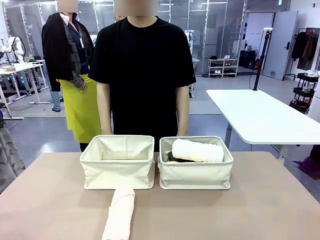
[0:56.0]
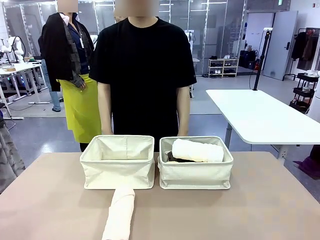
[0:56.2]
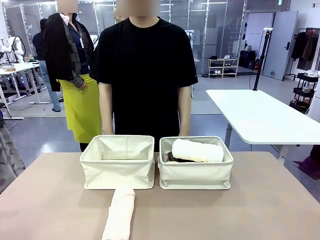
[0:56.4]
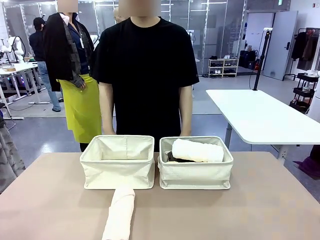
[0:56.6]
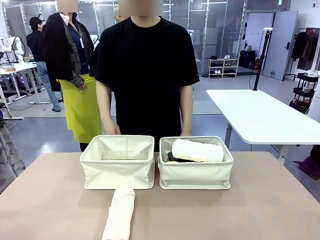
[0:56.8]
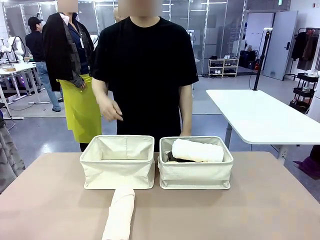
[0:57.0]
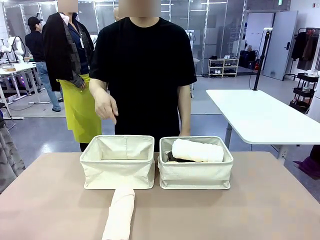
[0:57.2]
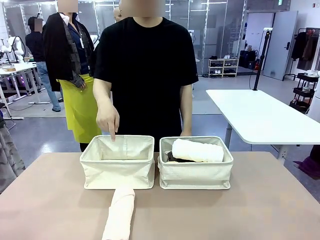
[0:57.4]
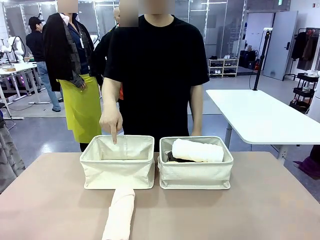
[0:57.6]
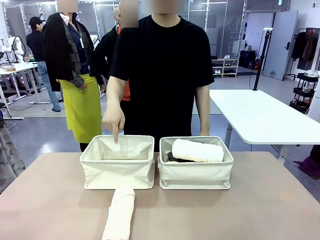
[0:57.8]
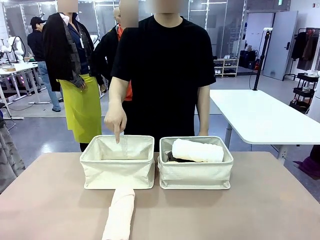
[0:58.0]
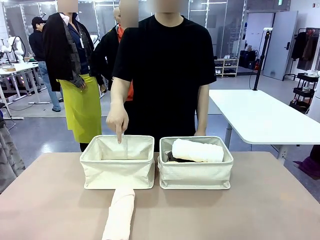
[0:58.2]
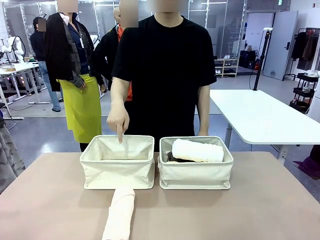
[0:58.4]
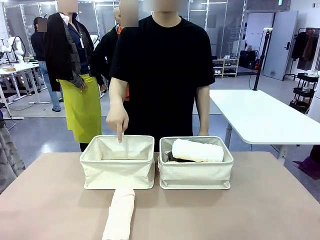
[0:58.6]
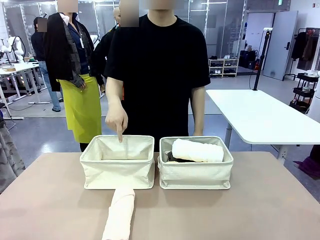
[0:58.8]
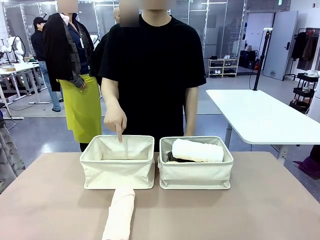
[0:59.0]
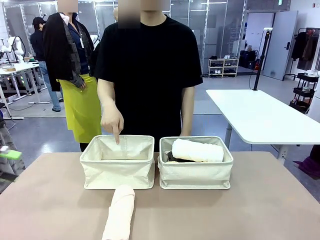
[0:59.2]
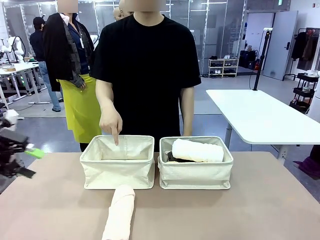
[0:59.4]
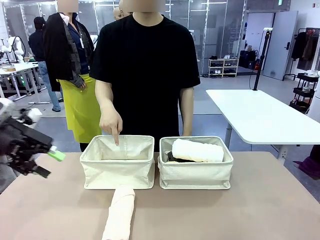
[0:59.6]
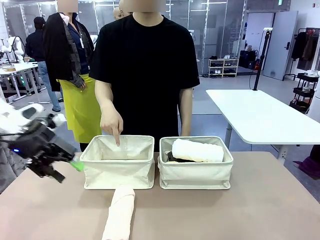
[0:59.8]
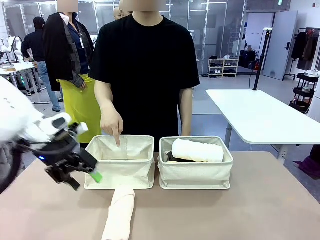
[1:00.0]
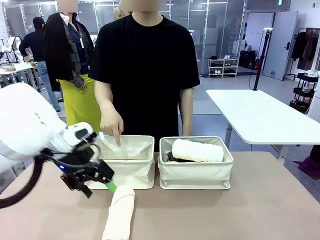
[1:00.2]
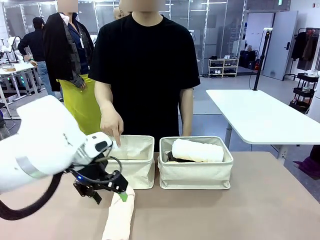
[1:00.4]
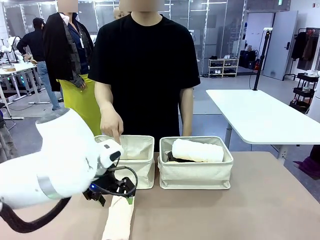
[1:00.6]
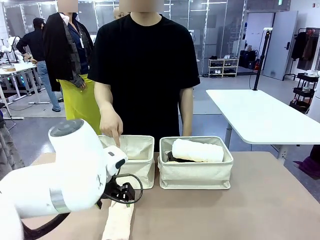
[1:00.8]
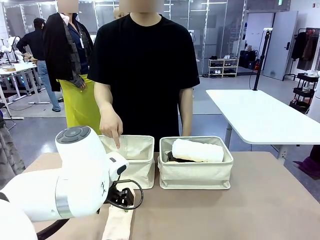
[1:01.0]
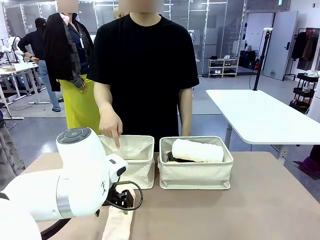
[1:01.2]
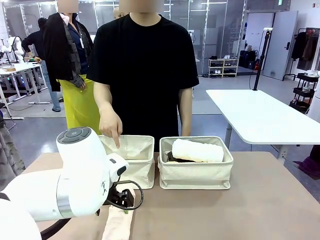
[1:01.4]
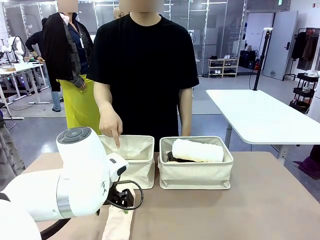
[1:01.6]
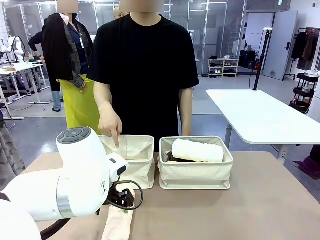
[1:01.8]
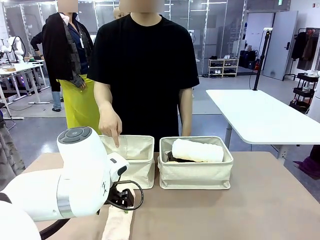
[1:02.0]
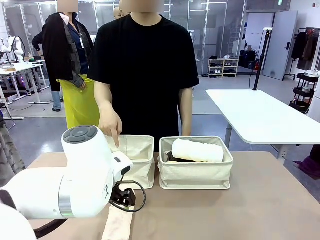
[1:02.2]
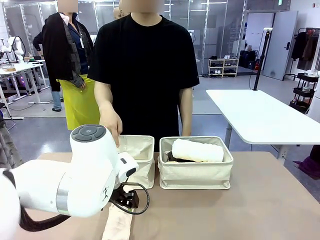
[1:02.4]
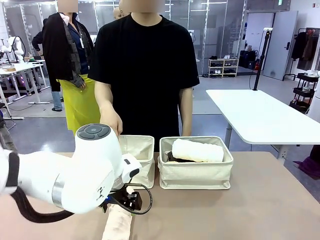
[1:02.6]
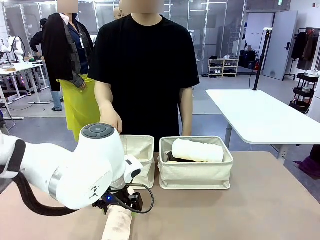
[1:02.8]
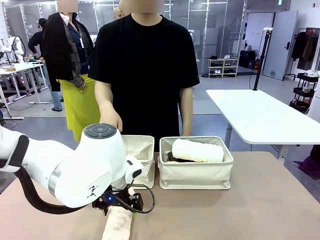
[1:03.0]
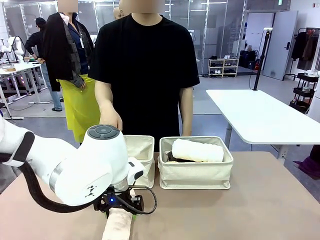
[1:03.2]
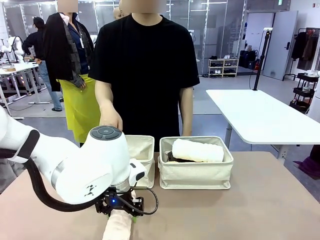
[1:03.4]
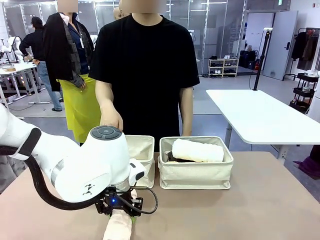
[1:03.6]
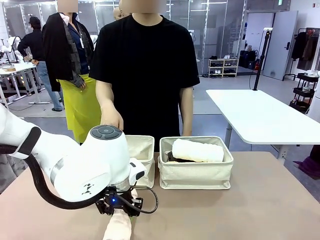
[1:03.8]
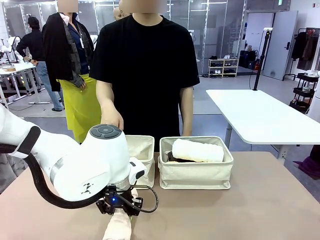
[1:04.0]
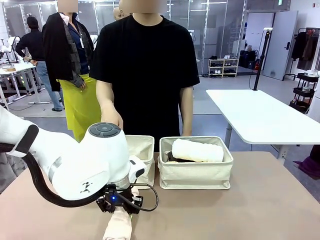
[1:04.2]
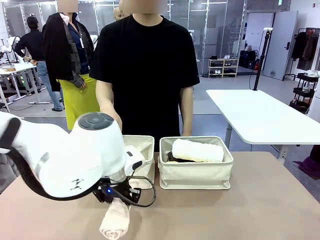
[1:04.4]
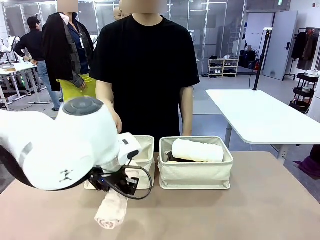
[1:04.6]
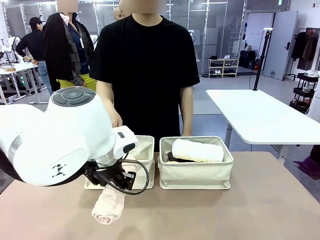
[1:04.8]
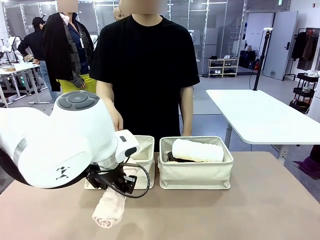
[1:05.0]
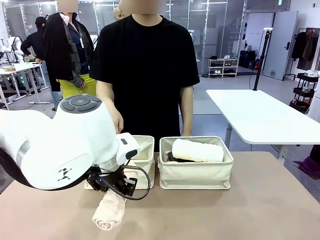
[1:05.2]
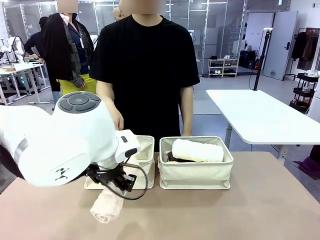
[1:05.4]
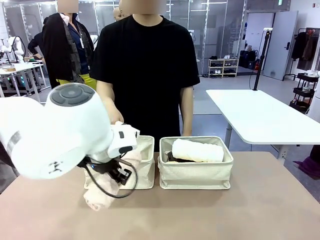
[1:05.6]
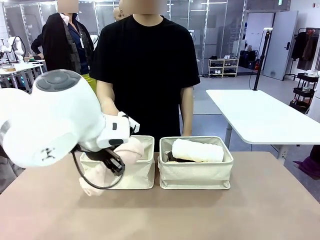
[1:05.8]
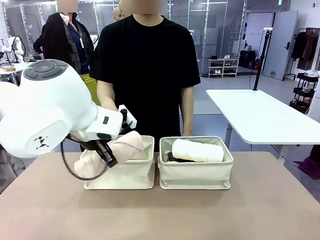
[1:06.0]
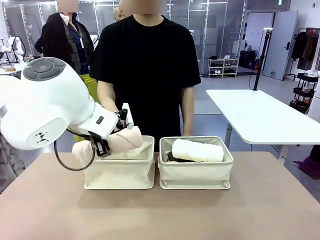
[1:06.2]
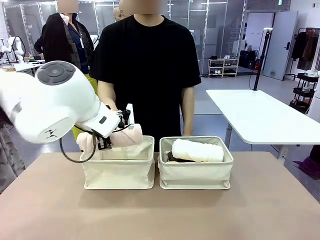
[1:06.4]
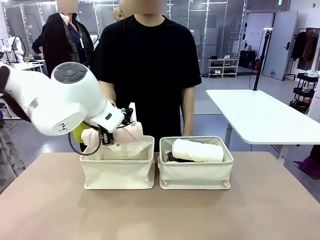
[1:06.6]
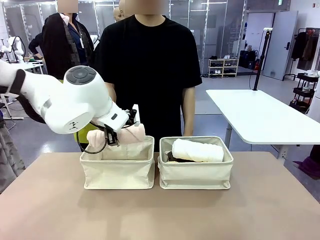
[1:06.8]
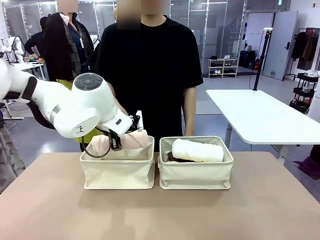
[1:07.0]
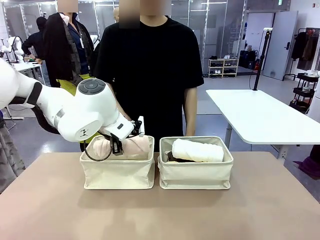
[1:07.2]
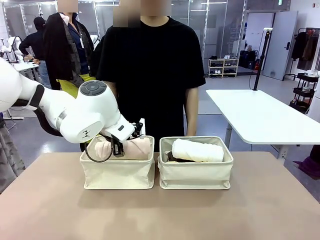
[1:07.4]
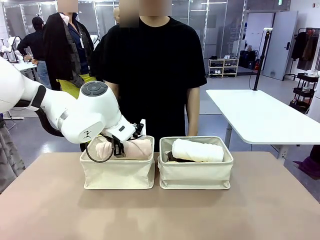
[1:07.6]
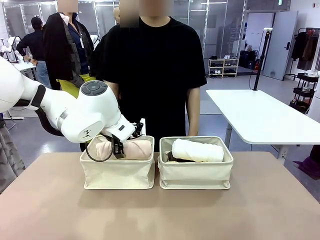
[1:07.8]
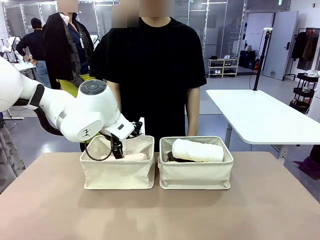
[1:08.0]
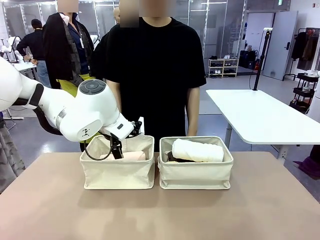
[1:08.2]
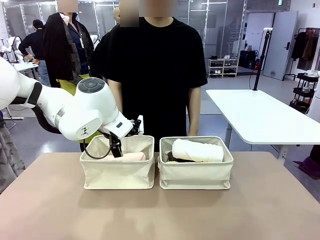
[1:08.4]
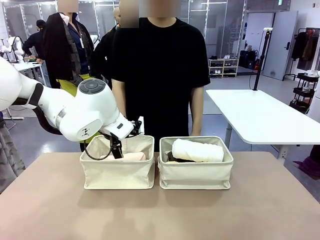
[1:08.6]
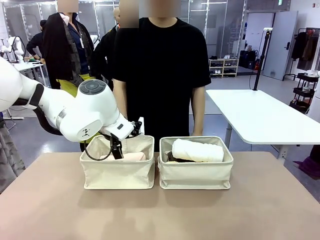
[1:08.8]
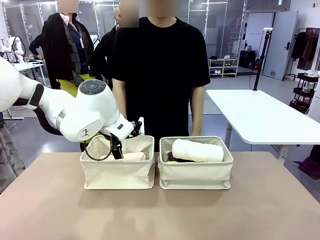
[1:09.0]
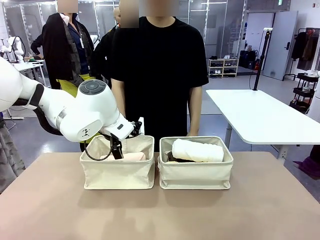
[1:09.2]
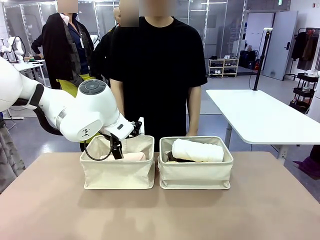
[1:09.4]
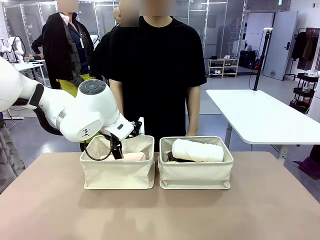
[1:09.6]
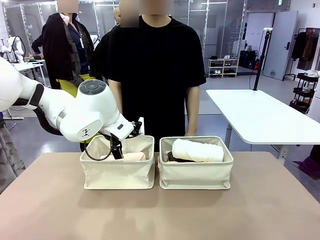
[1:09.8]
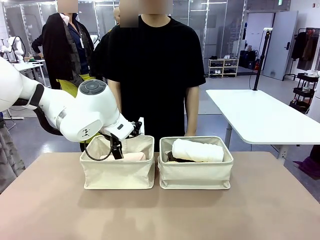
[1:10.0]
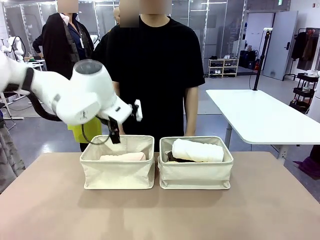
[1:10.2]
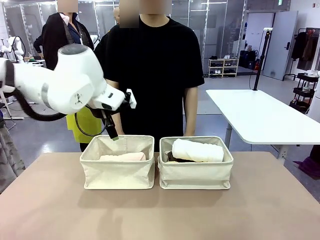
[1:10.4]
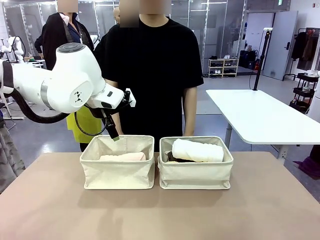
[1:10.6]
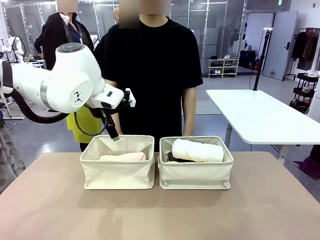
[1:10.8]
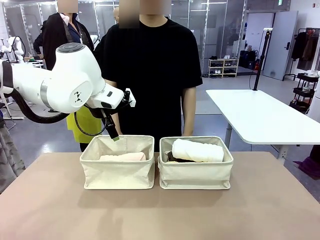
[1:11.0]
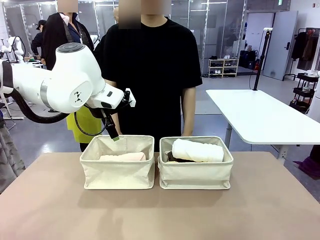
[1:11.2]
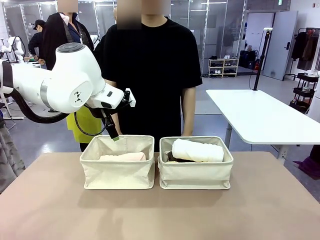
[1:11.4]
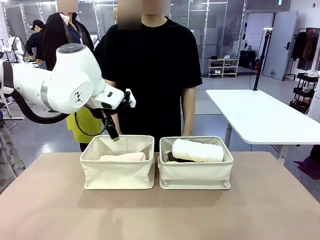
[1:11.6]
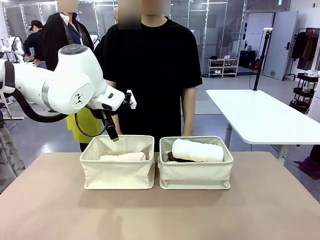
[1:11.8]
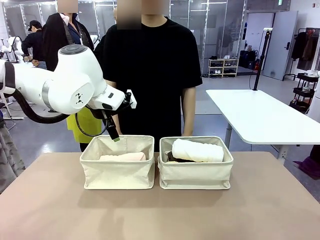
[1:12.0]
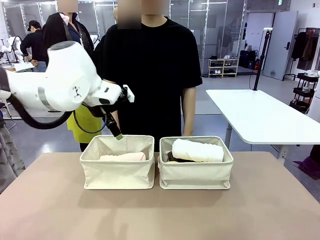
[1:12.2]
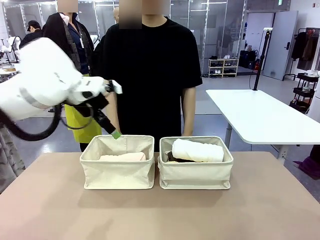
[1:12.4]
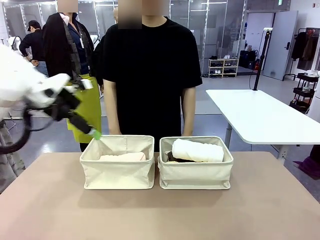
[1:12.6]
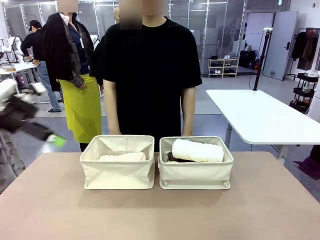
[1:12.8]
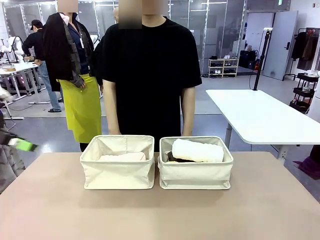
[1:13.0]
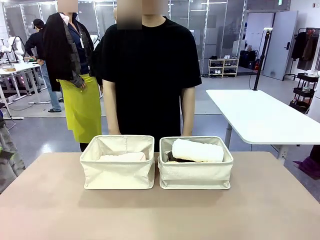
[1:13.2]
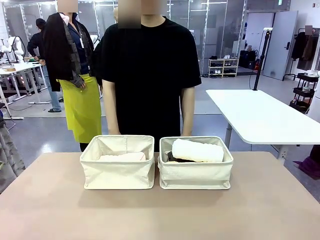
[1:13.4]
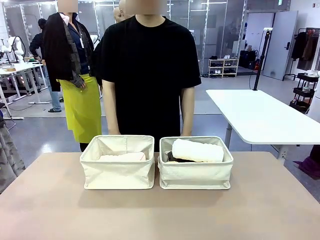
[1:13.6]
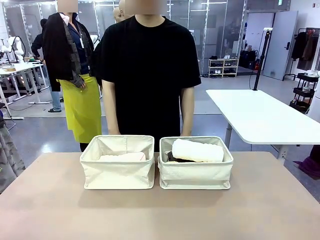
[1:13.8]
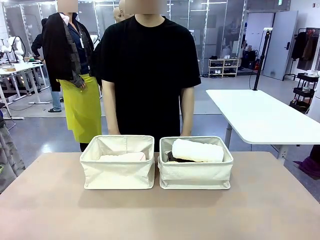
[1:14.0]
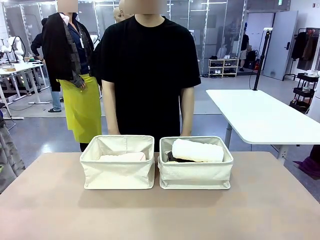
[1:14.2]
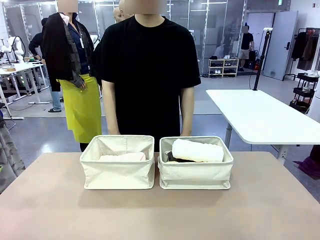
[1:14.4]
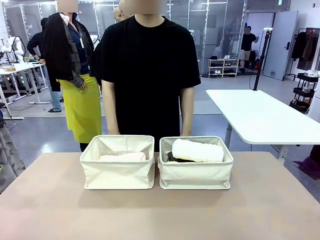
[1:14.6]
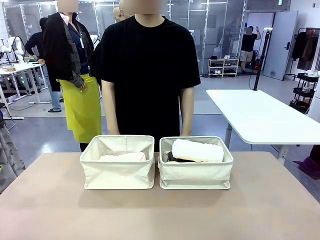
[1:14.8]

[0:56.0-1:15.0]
Task: Divide the towels into two baskets.
Robot: Pick up one hotel-folded towel from the bottom of the table and place it in the Fabric basket indicated by the person.
